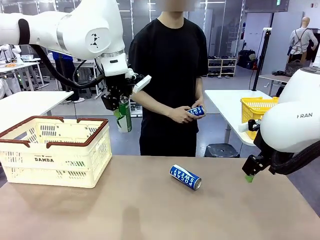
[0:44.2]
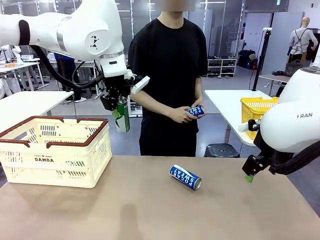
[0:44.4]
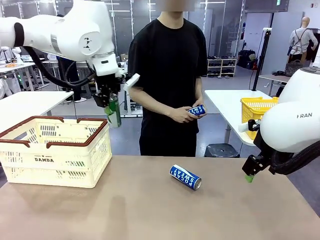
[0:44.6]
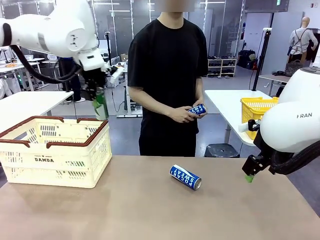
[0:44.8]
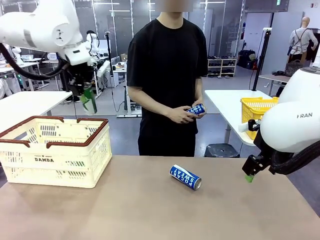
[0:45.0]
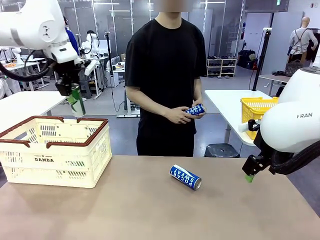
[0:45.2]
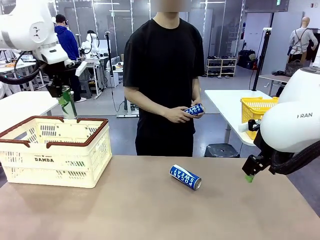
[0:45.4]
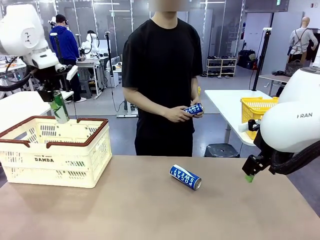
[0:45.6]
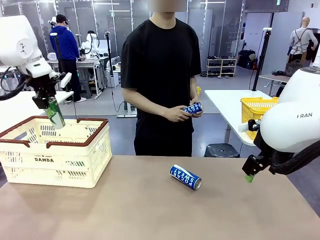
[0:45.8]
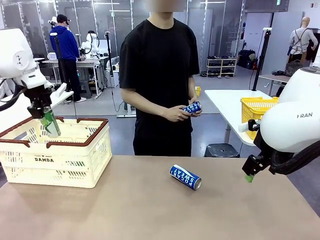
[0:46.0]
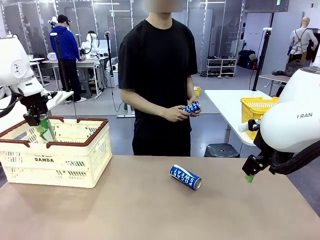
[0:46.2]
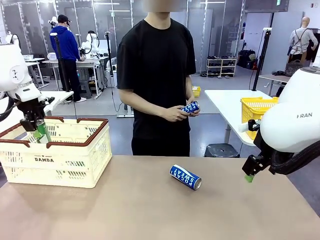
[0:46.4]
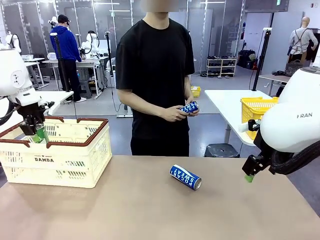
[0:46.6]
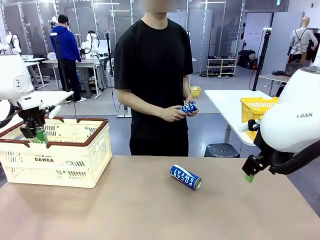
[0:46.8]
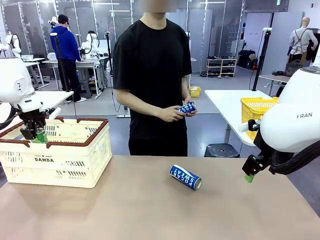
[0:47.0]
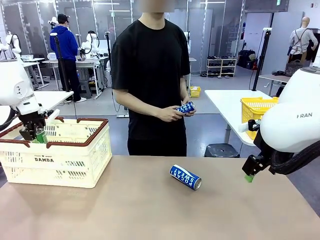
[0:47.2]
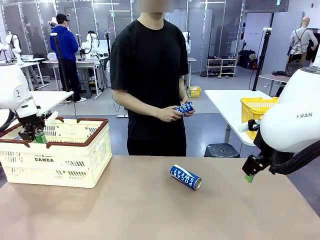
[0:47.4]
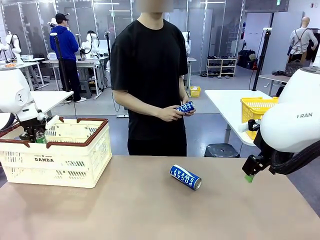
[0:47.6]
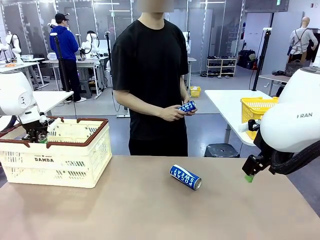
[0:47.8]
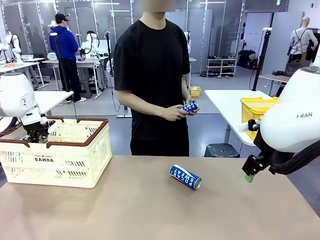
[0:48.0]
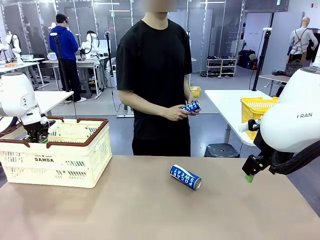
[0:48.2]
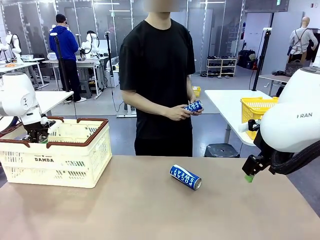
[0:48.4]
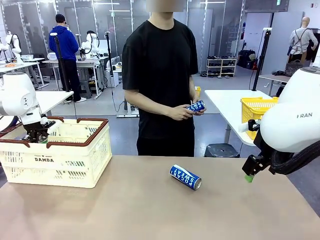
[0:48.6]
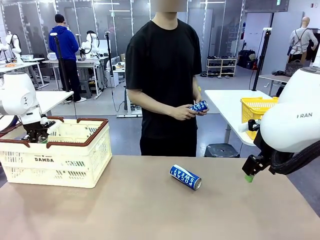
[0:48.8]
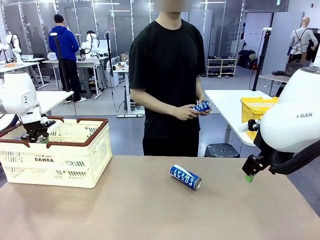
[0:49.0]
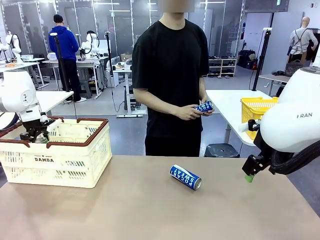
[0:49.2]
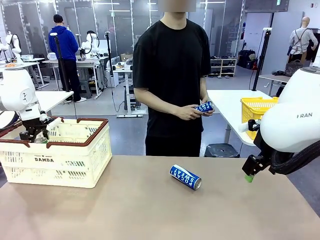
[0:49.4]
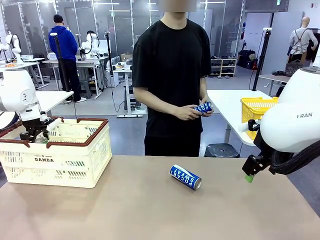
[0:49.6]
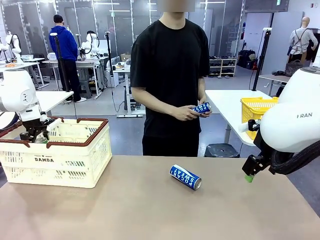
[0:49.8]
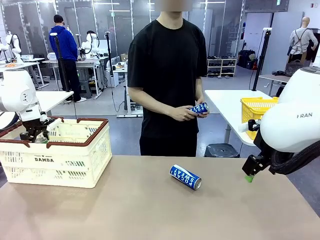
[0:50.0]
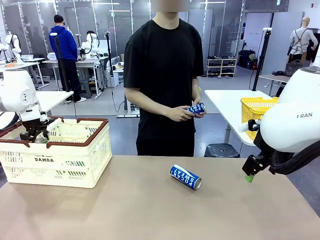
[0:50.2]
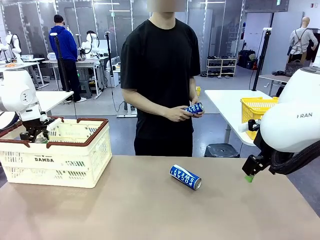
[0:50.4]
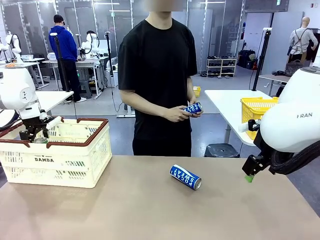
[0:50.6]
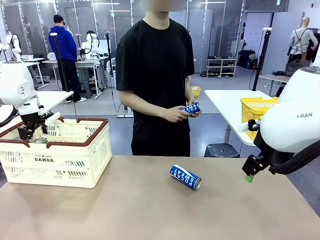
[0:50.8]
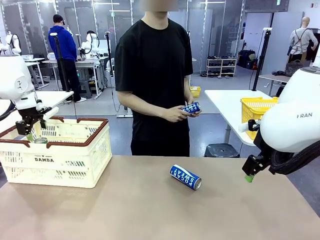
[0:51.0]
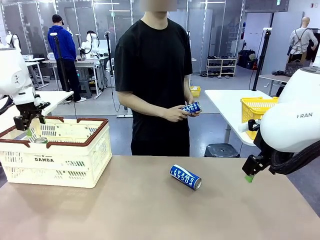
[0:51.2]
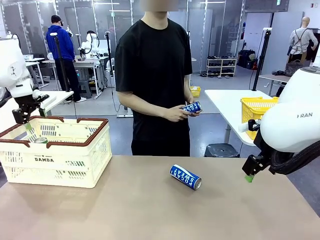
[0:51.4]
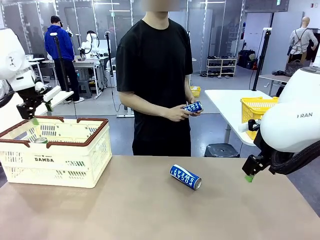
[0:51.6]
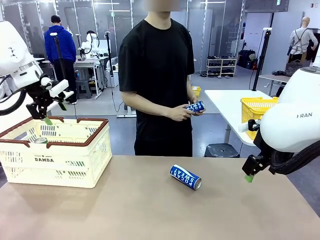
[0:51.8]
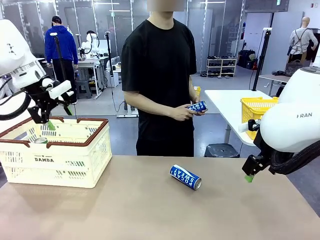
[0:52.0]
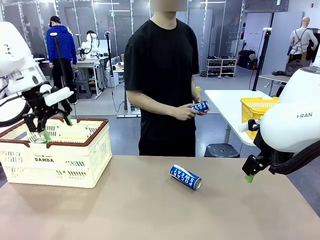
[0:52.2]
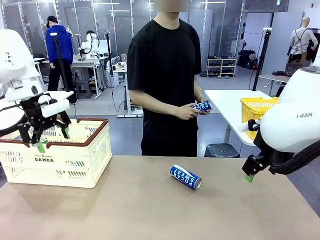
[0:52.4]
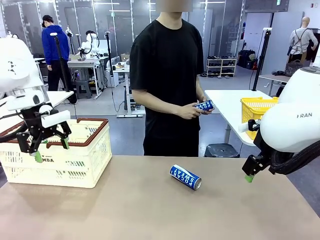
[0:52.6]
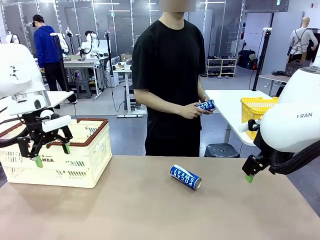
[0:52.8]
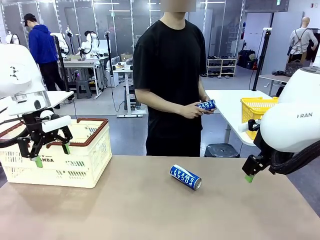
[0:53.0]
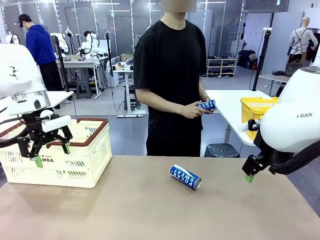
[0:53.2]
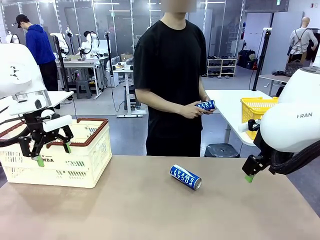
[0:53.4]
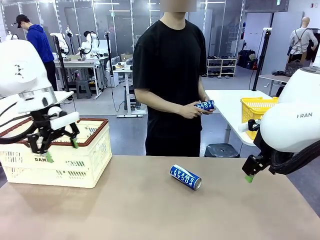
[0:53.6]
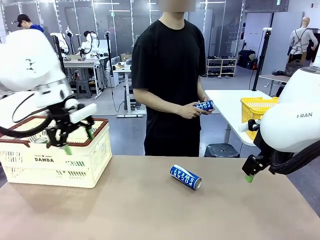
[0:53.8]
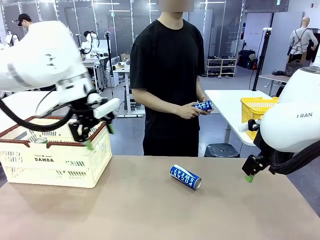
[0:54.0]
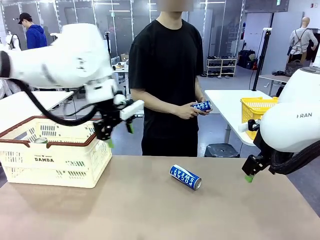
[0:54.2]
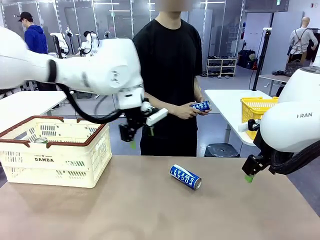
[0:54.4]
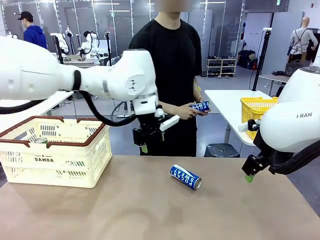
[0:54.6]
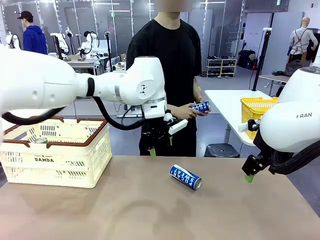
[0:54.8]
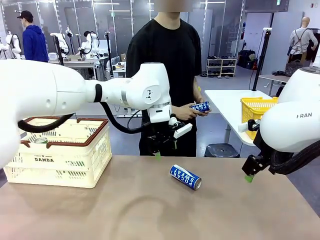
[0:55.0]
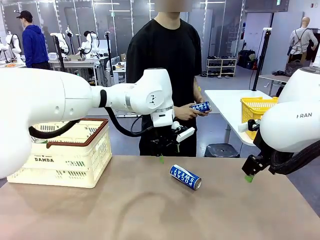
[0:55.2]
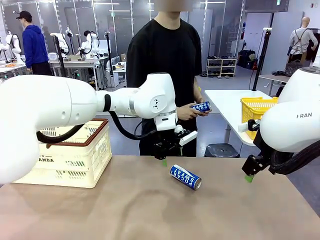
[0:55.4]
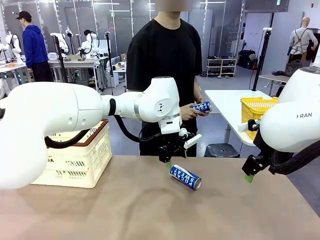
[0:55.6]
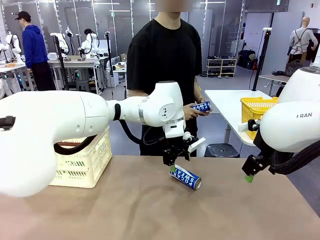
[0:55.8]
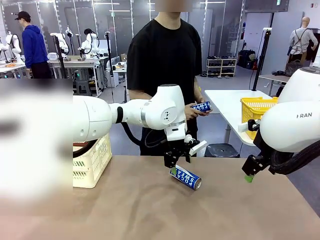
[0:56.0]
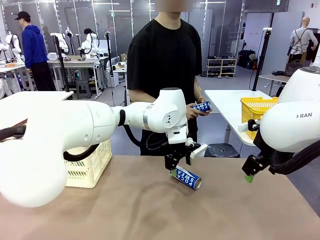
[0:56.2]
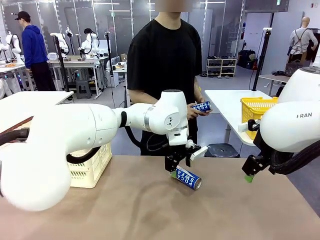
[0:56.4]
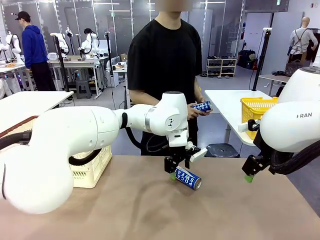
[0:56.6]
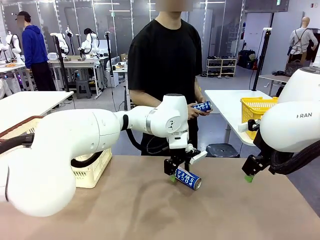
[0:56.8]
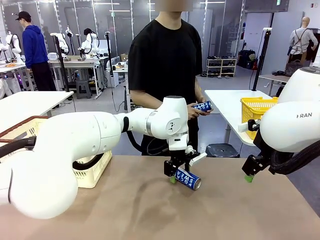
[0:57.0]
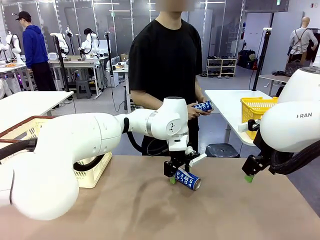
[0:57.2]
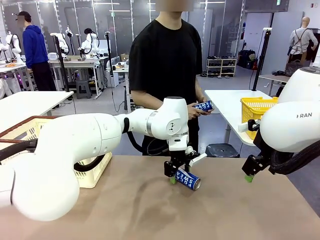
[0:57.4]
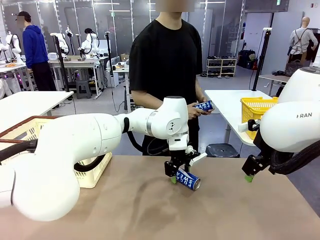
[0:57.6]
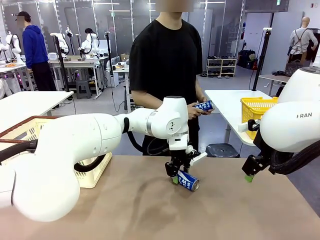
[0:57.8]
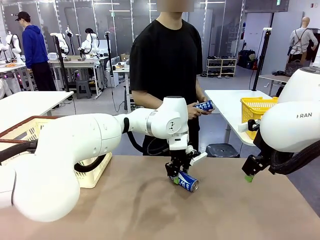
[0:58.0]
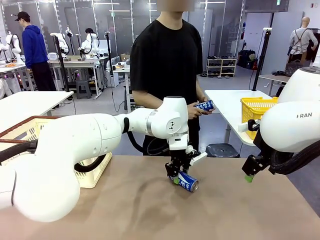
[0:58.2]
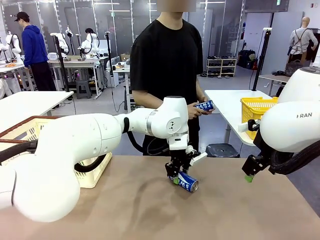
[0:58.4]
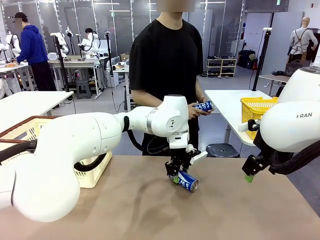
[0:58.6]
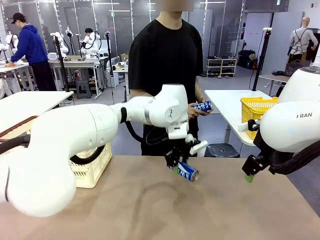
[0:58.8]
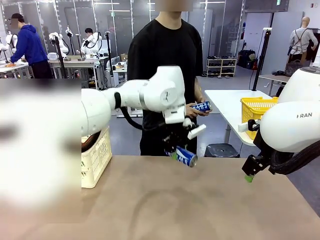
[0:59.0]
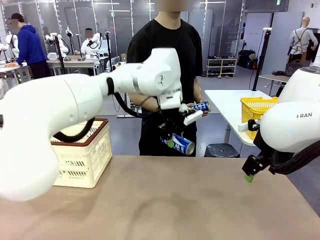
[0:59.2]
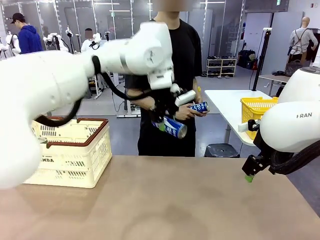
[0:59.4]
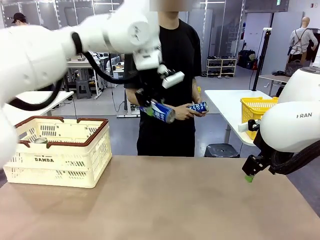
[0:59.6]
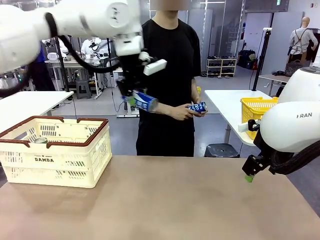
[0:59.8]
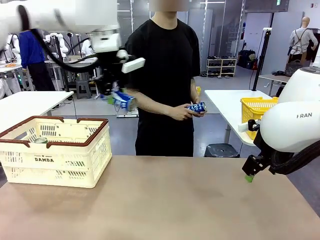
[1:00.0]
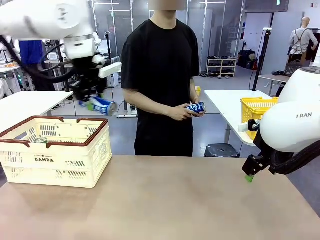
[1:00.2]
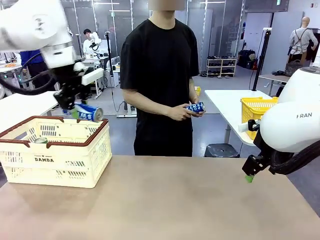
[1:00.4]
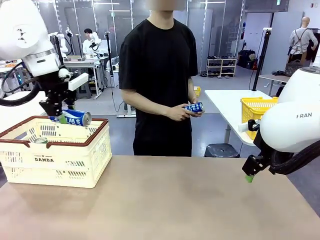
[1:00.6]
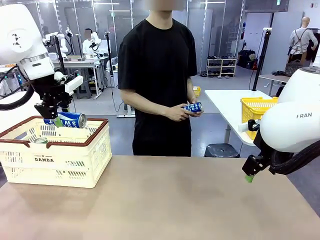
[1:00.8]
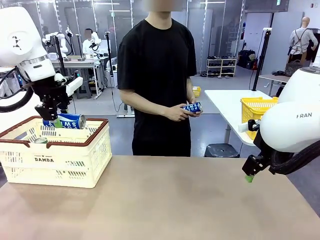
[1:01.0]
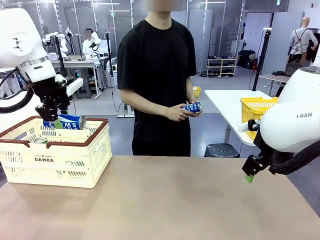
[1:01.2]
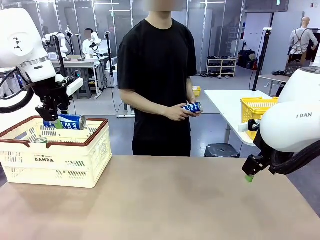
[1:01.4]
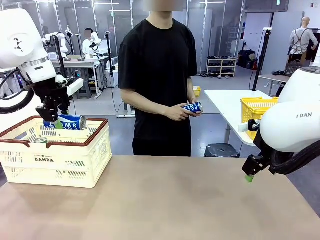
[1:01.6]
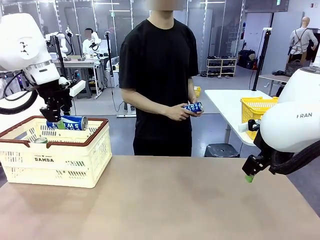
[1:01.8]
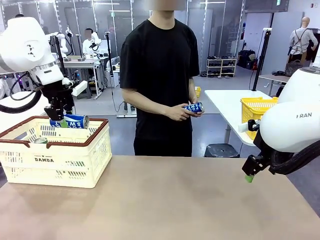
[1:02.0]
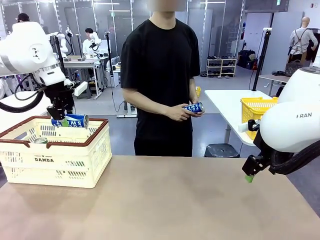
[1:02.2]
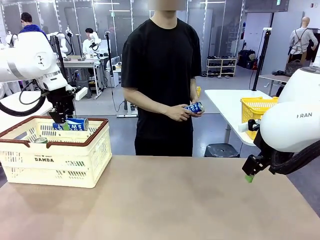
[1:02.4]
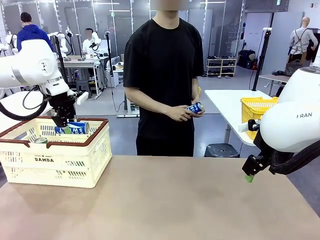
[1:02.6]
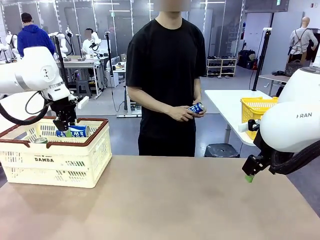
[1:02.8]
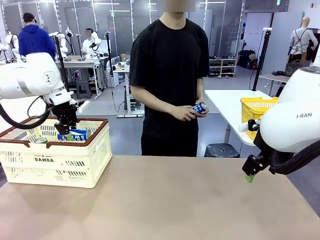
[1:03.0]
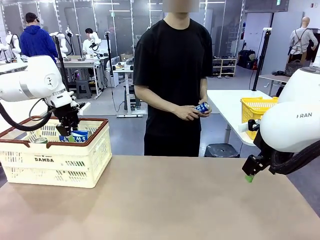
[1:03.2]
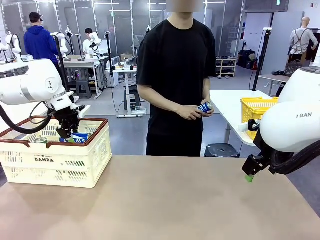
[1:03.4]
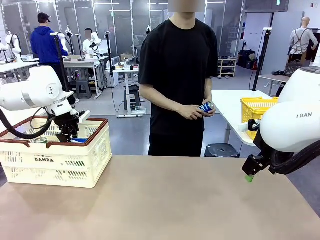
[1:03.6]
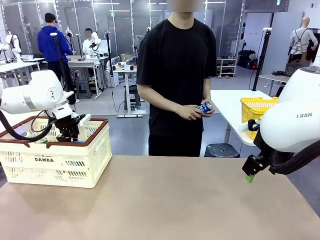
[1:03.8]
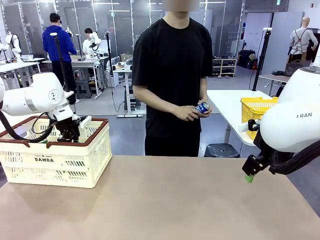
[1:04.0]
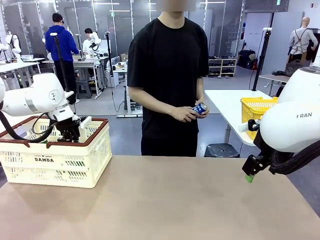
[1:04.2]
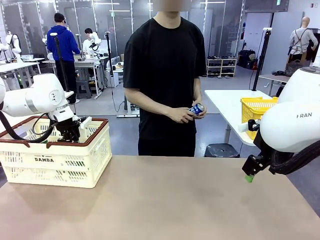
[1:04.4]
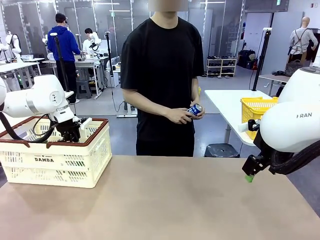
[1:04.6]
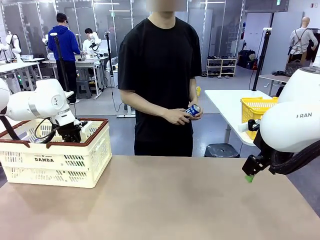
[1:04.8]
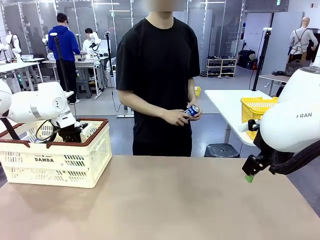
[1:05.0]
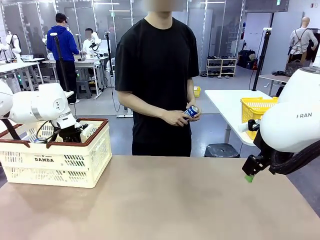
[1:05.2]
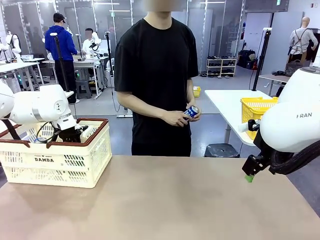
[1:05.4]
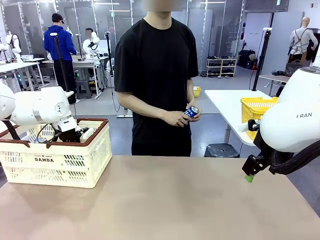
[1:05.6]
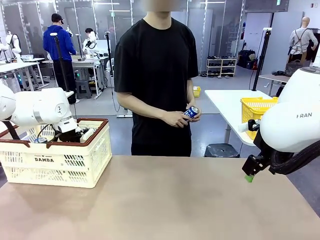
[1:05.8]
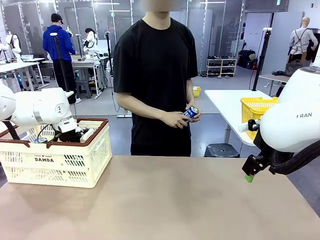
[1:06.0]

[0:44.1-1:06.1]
Task: Place the drinks into the Shopping basket.
Robot: Pick up one drink and place it into the Shopping basket.
